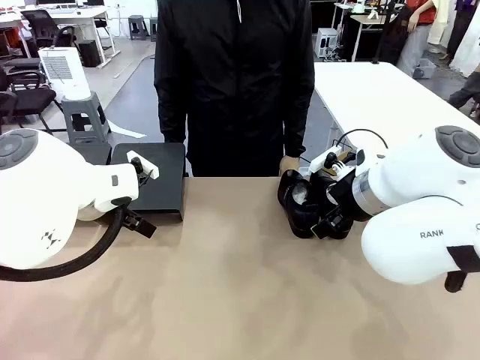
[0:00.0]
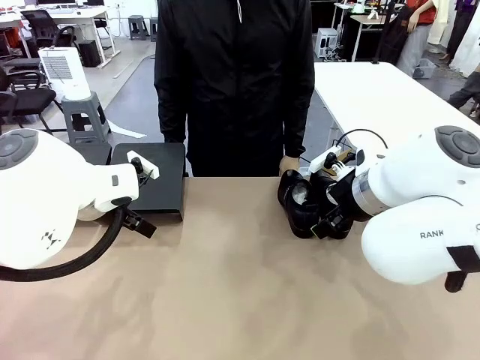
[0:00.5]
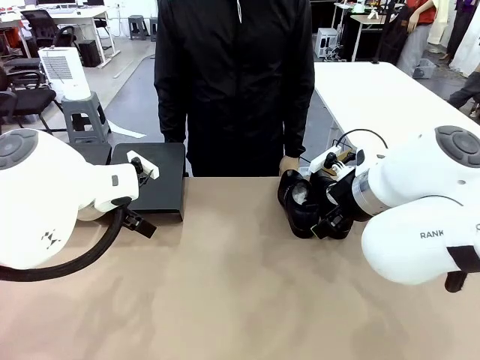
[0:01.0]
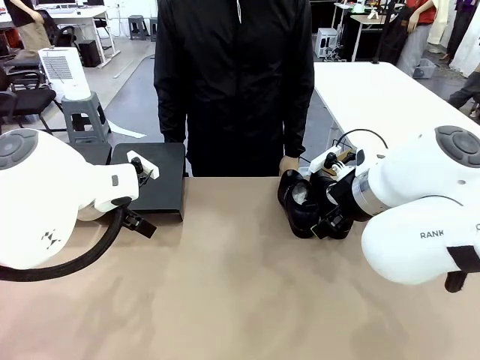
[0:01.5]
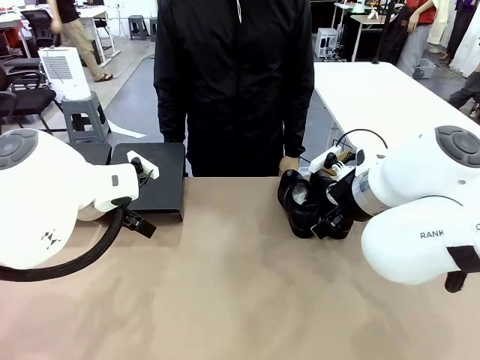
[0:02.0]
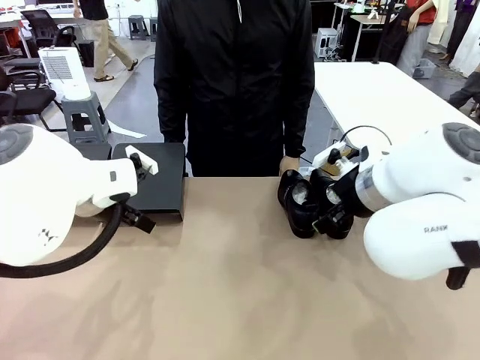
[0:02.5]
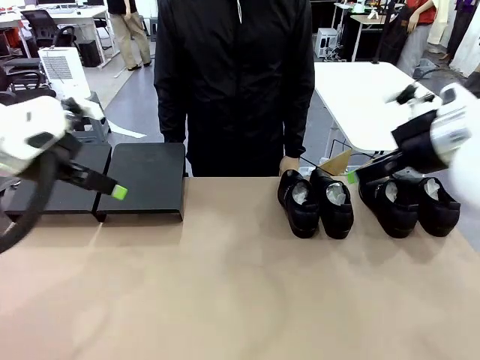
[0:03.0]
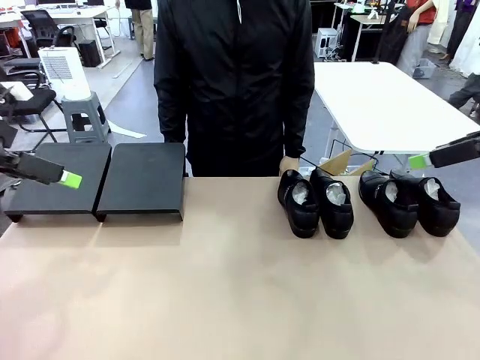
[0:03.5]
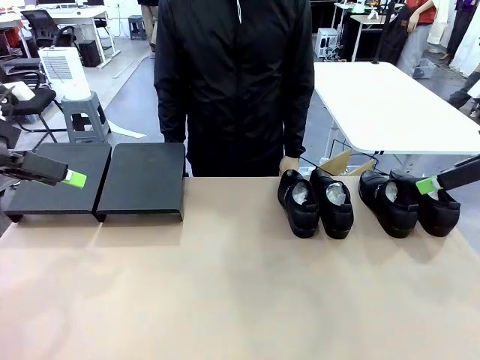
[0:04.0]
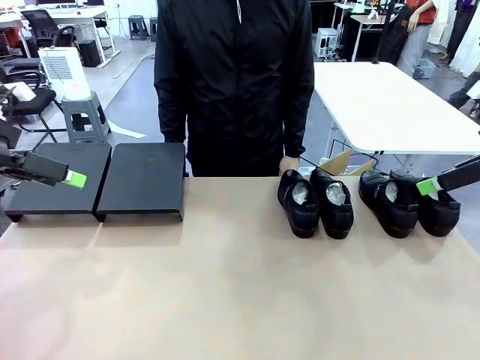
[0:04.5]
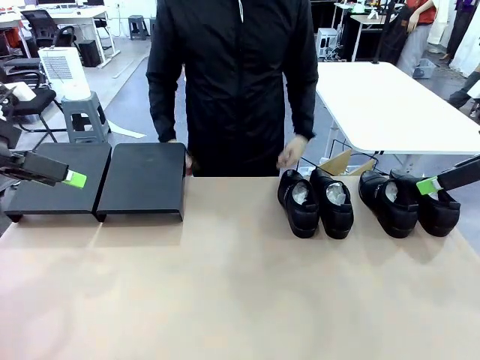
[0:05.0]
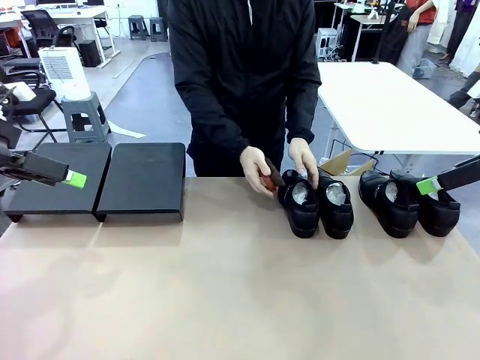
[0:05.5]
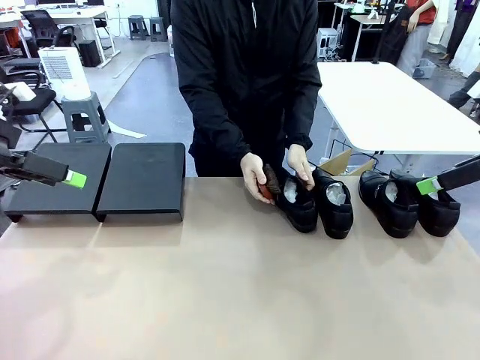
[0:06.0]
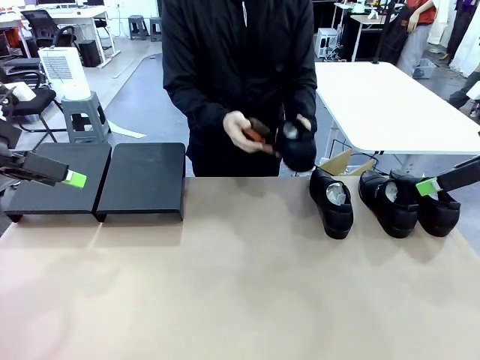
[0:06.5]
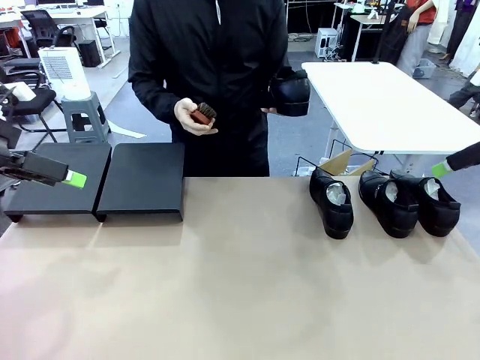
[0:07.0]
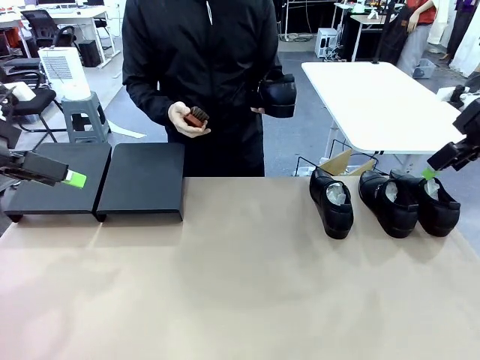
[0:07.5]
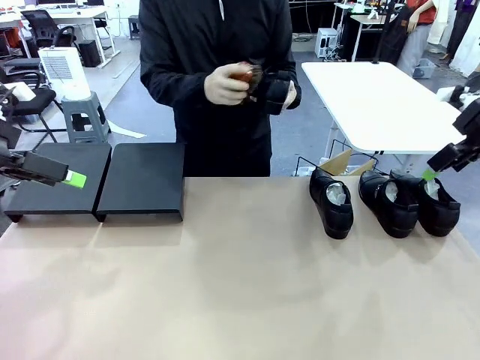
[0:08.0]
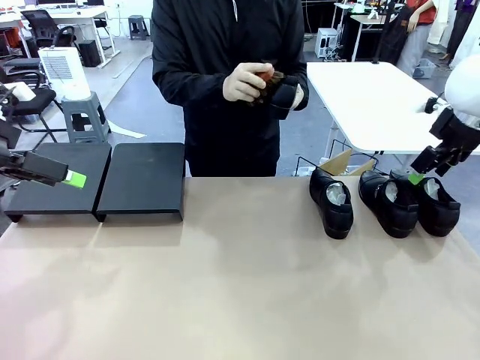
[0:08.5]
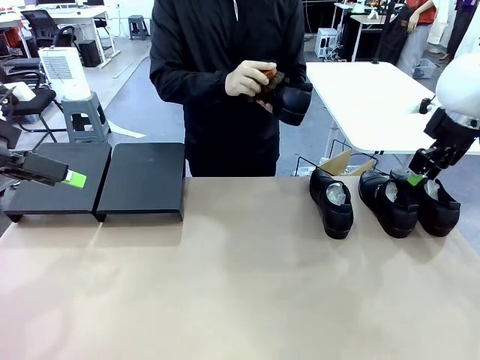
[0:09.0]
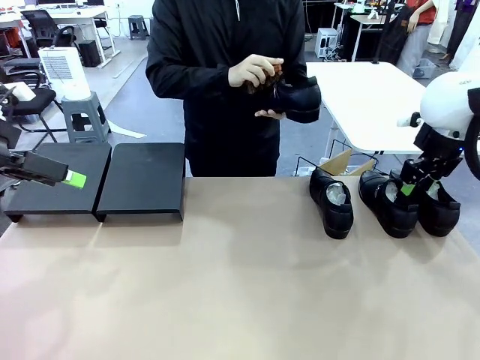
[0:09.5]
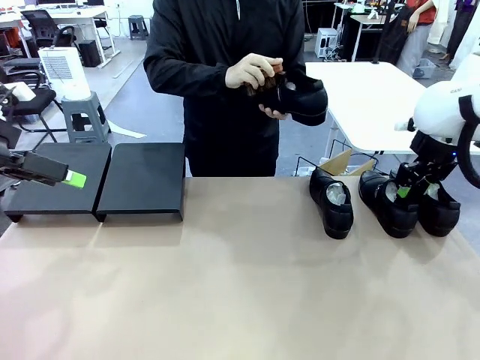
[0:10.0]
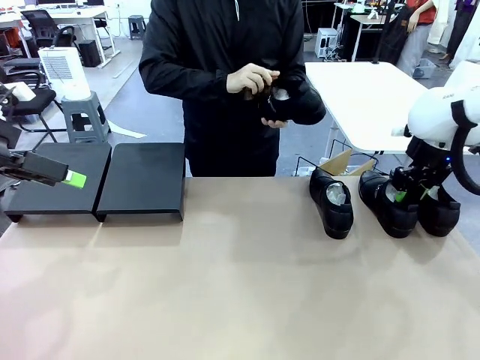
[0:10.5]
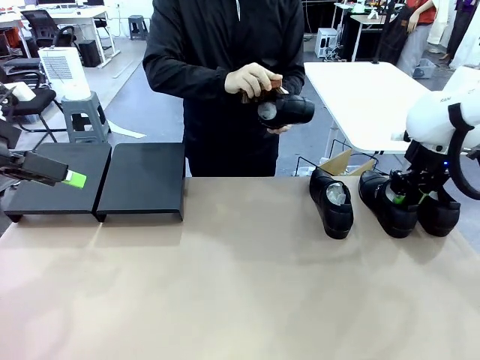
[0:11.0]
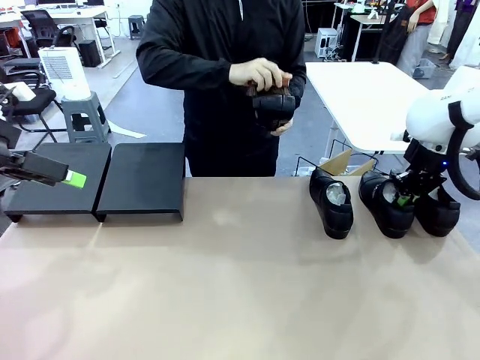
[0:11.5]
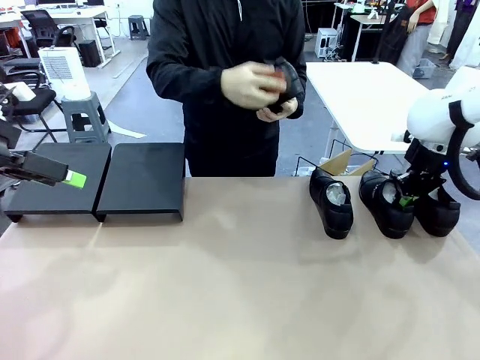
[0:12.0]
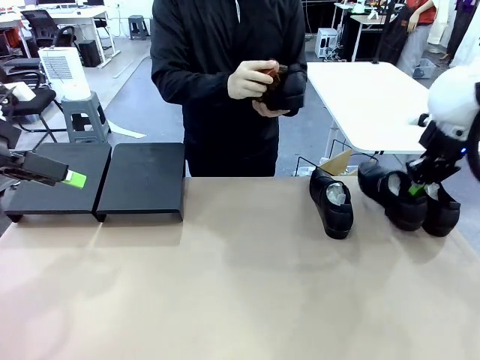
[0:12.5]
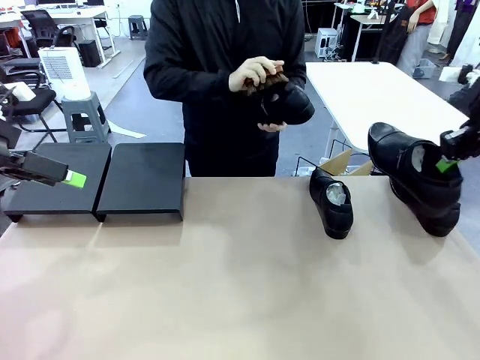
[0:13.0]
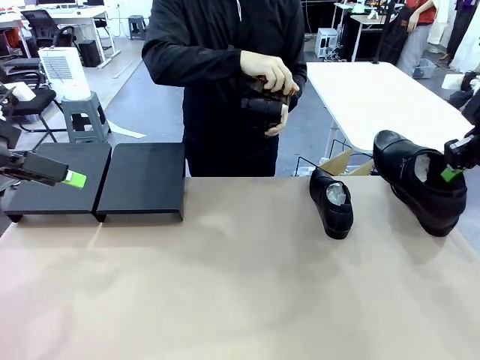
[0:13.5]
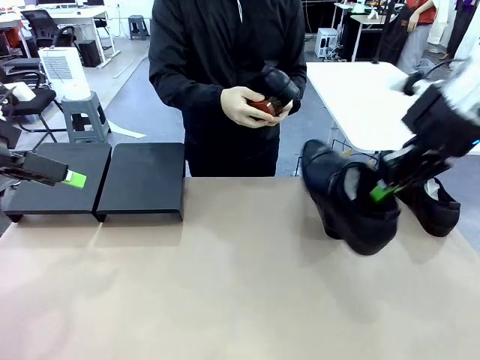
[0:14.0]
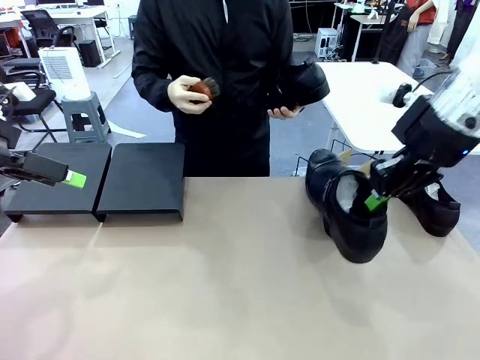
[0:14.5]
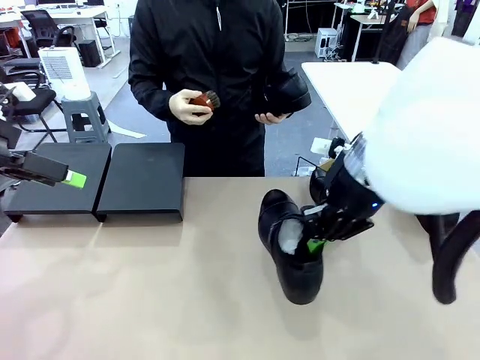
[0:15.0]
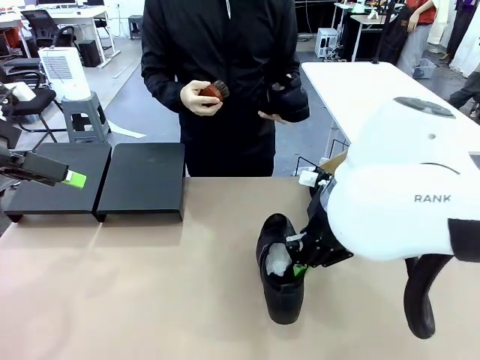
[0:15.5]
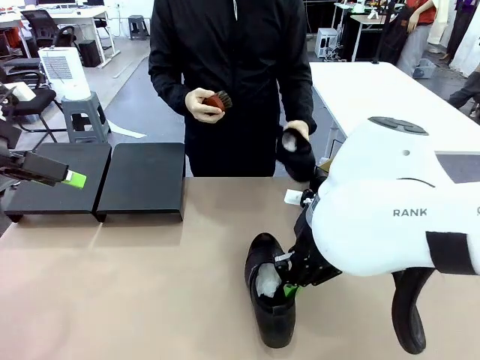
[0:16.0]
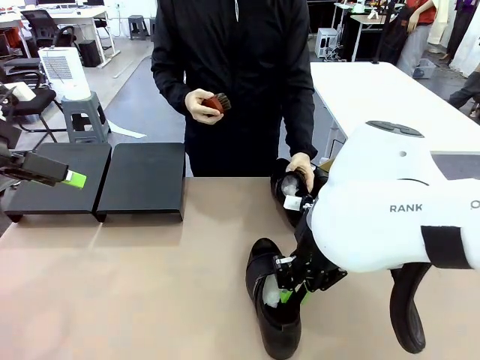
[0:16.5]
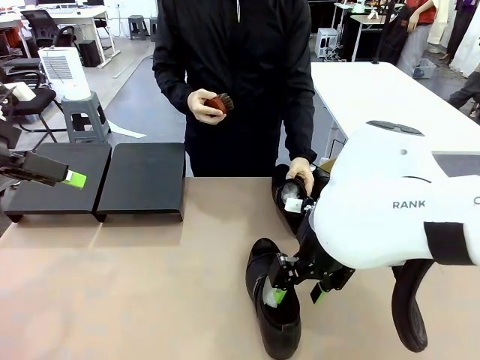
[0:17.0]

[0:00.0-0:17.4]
Task: Organize the shoes by placing them on the stand.
Robot: Pick up one Shoe and place it in the middle of the table.
Person: Pick one Shoe on Robot's table. Clean the Shoe with the Shoe Brush. Place the Shoe on left side of the Robot's table.
